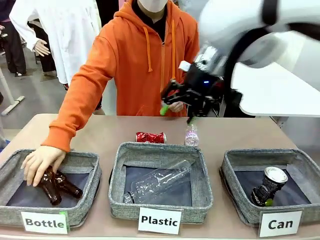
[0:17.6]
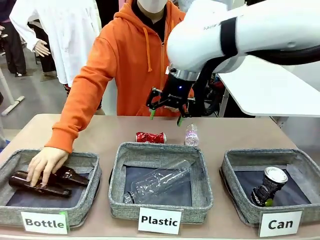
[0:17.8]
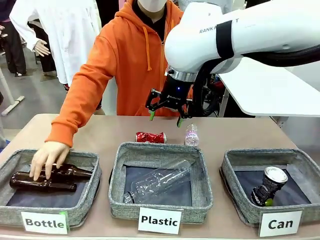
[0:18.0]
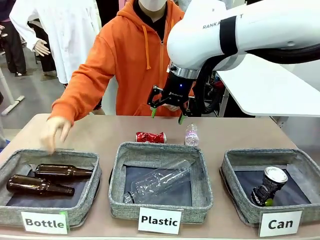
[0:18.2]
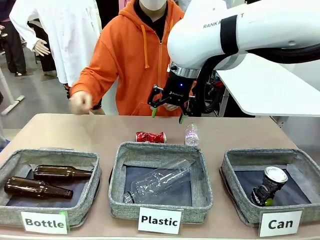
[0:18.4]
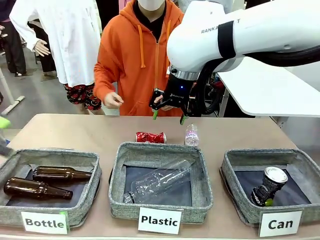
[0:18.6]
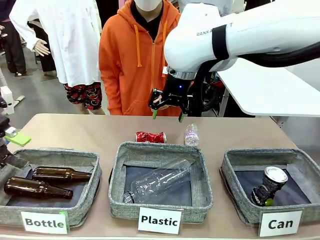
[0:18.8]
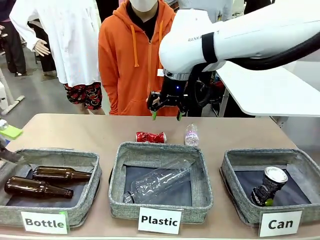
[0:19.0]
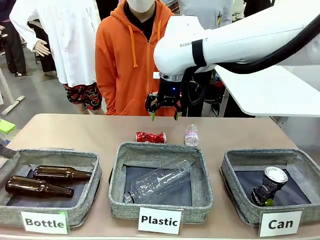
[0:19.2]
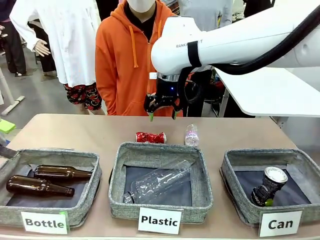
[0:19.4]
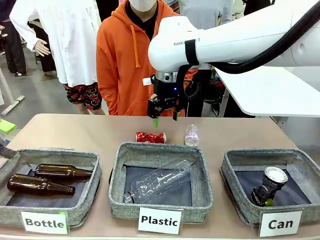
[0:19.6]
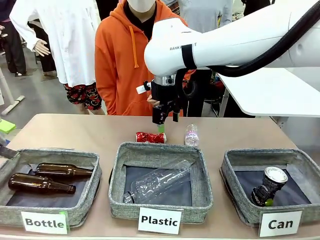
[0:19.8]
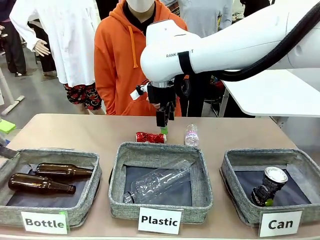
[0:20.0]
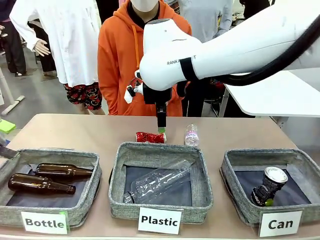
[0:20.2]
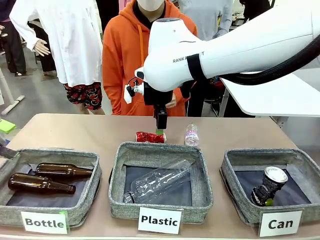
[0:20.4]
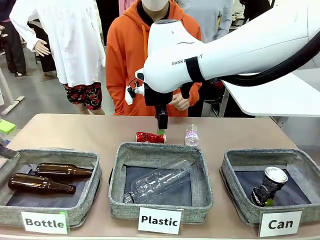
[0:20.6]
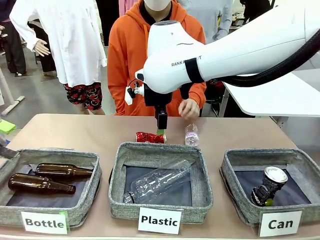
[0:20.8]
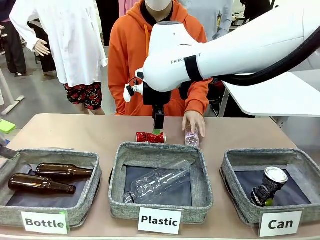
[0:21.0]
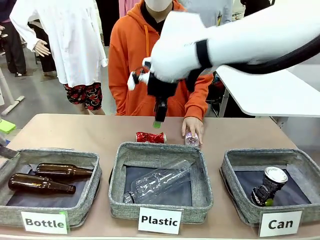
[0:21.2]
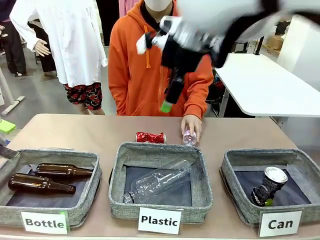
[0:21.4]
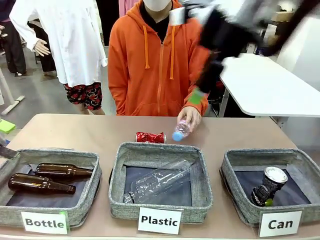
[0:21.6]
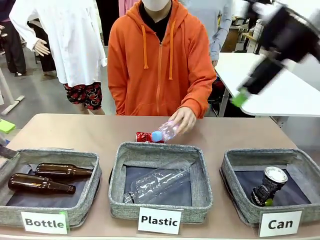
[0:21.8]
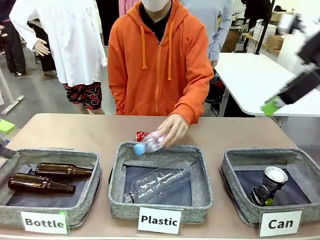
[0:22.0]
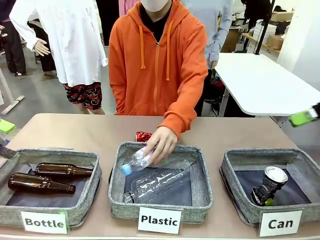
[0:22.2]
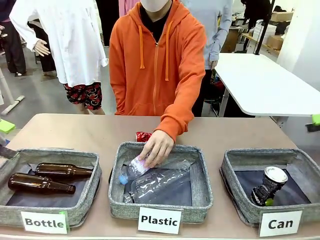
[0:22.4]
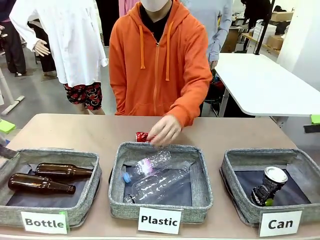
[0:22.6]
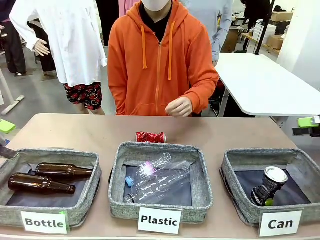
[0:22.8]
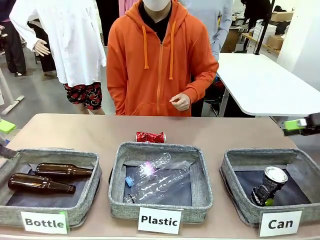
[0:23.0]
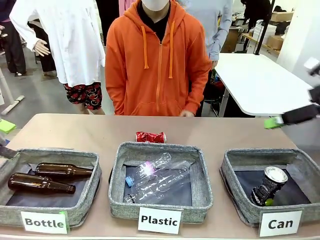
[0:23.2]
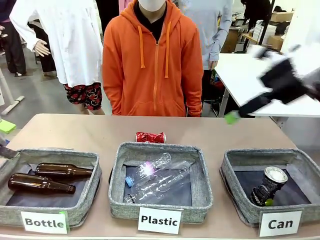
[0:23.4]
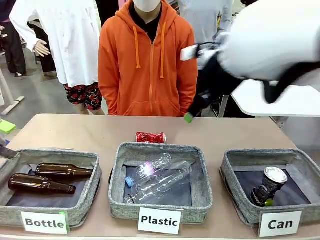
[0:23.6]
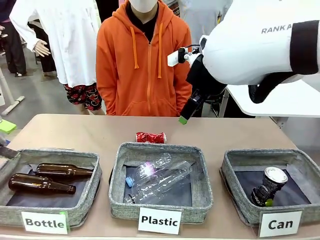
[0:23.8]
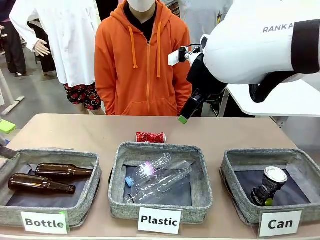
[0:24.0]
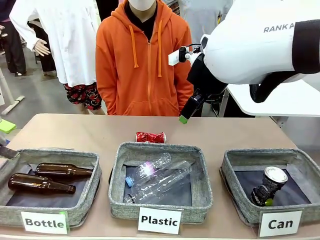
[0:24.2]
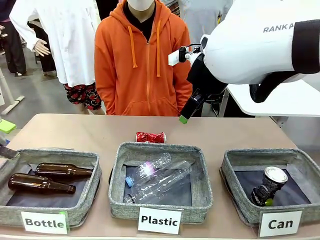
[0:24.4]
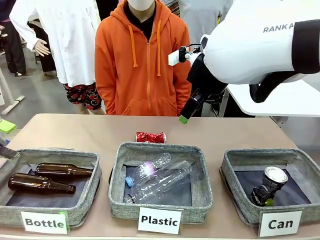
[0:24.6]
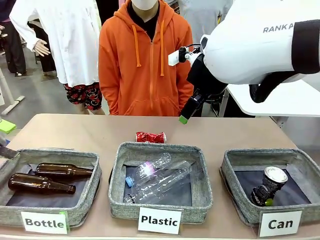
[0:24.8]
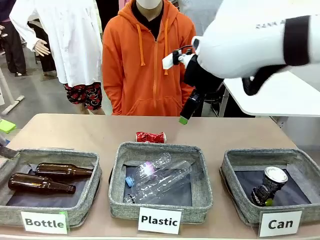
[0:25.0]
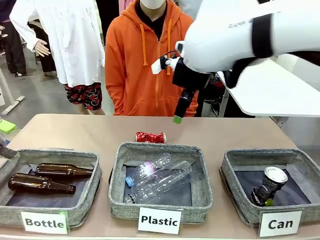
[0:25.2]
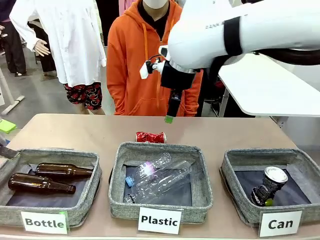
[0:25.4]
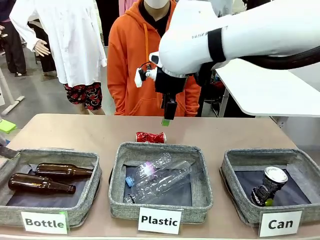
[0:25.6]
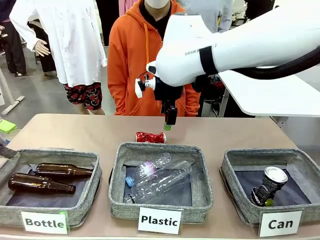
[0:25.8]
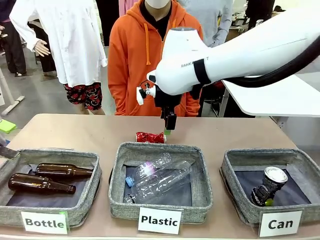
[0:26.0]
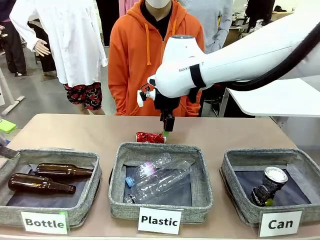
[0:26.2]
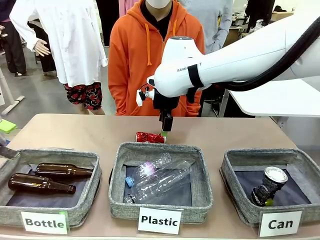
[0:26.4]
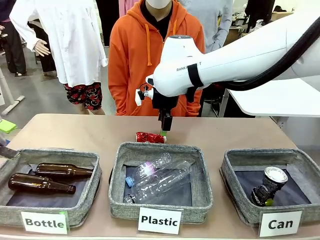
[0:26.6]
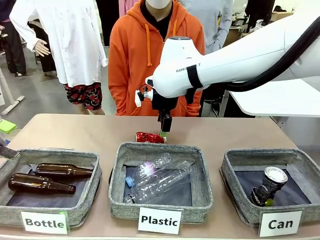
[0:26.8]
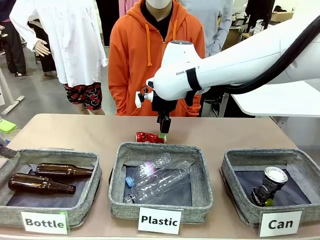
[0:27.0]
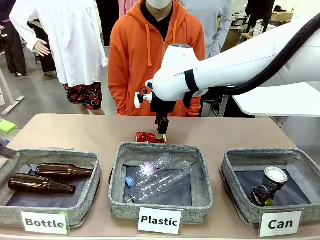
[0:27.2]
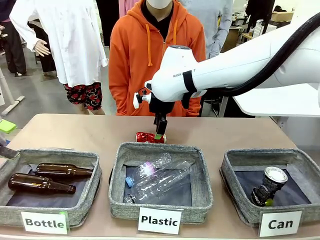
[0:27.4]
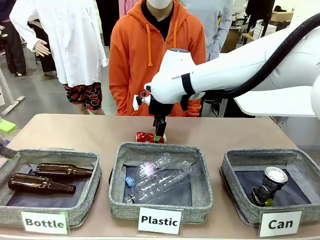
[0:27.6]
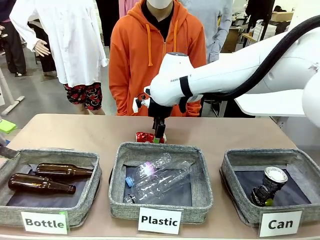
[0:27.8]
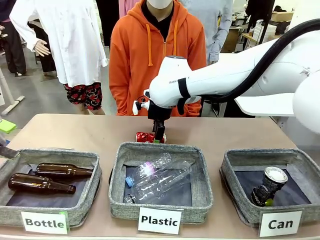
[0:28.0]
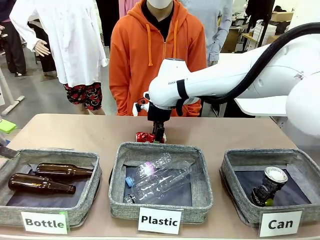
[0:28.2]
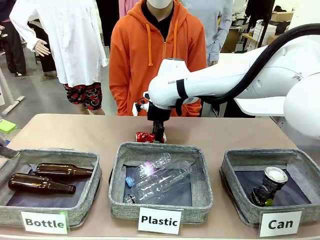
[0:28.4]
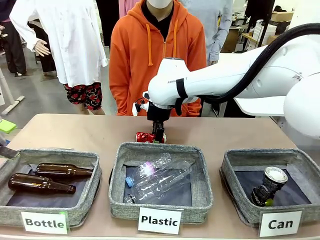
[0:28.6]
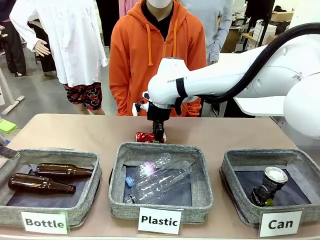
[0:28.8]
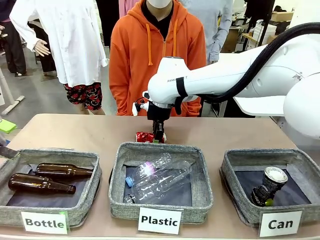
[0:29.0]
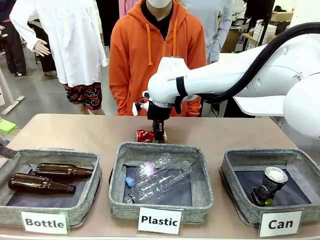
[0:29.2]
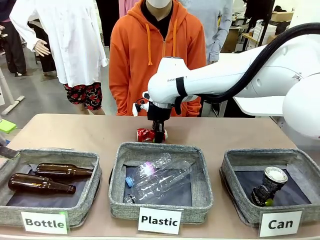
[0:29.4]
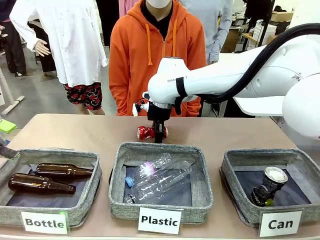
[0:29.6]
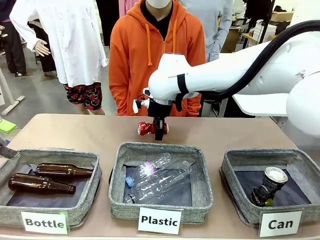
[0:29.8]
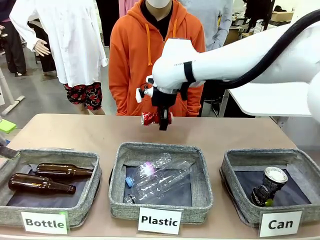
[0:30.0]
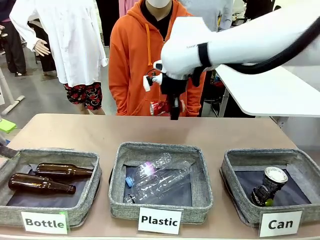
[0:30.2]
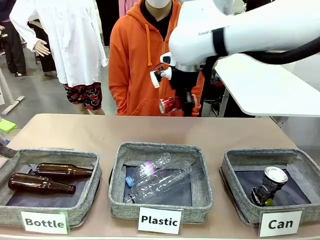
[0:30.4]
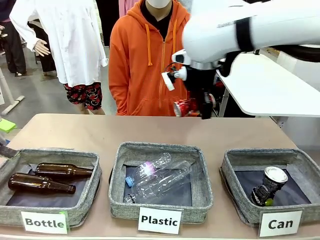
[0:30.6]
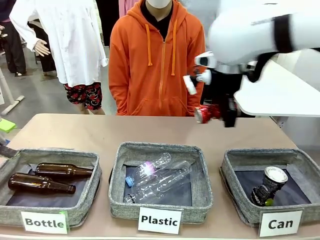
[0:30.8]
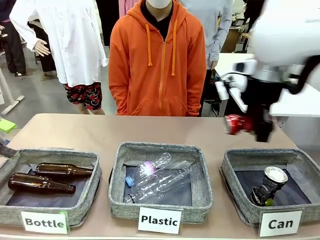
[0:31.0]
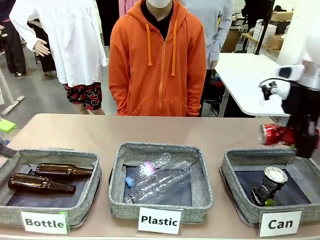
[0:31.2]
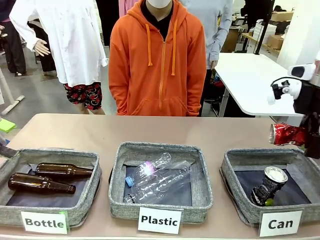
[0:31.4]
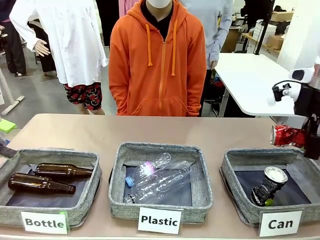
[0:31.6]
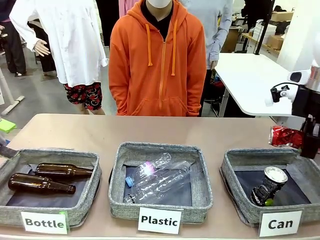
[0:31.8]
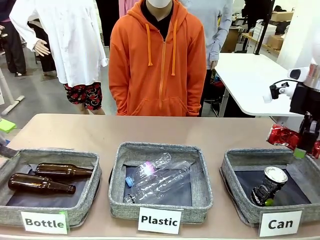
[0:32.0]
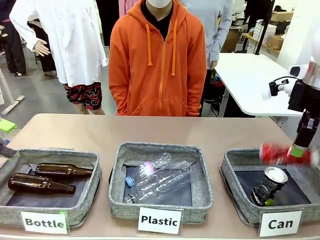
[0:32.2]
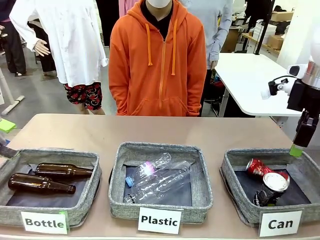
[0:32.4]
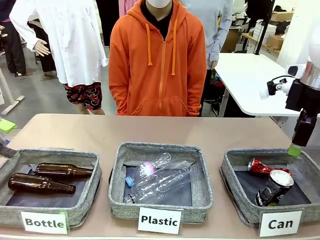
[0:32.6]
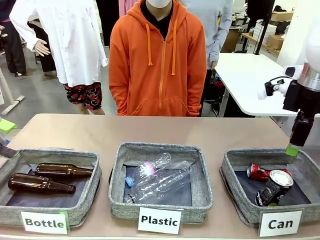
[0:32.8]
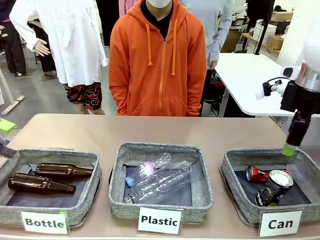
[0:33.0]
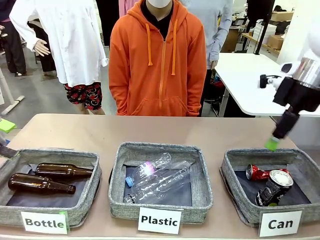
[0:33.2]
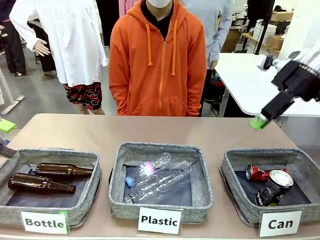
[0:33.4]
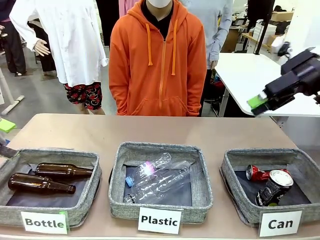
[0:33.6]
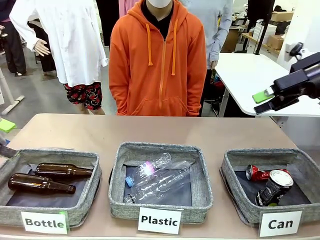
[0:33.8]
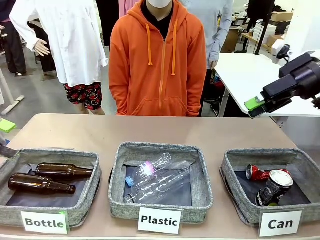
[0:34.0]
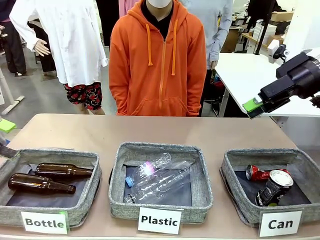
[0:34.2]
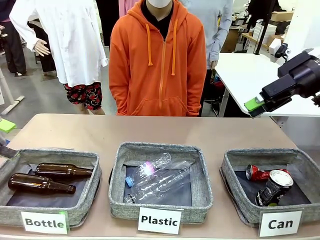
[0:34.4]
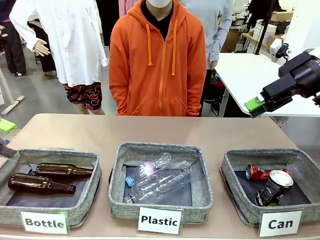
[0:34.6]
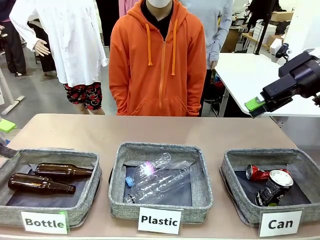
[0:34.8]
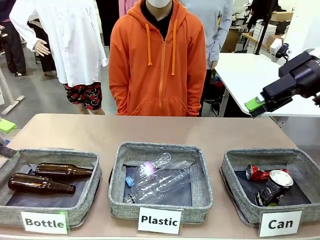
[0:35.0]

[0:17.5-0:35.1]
Task: Sort the can waste into the basket.
Robot: Pick up the can waste from the table and place it in the right Fabric basket.
Person: The human picks up one piece of trash that is not a can and places the trash into the appropriate organizing basket.
